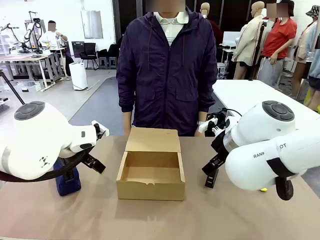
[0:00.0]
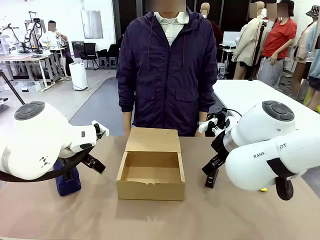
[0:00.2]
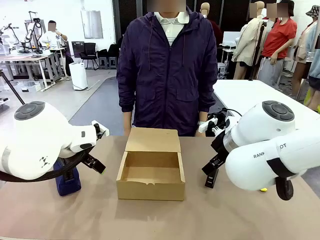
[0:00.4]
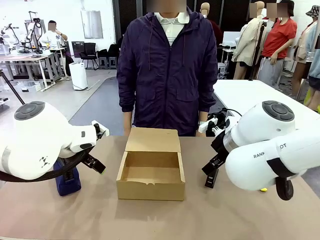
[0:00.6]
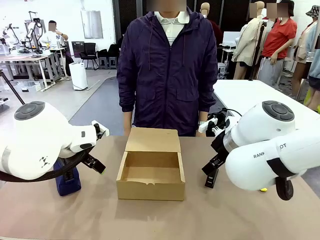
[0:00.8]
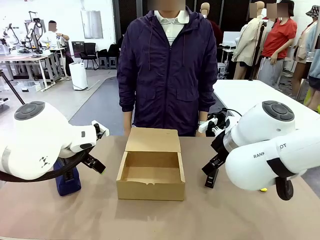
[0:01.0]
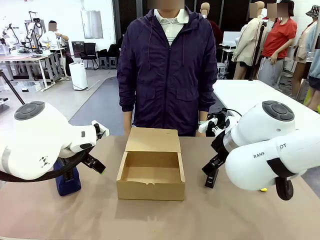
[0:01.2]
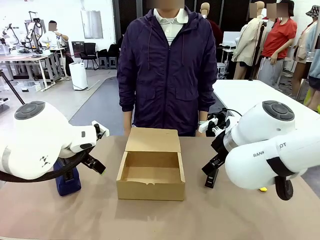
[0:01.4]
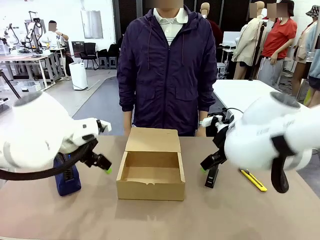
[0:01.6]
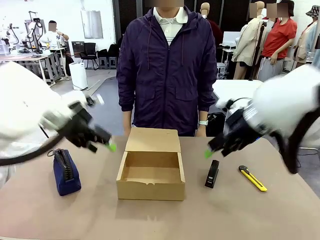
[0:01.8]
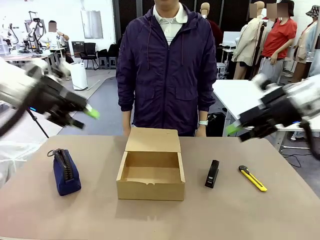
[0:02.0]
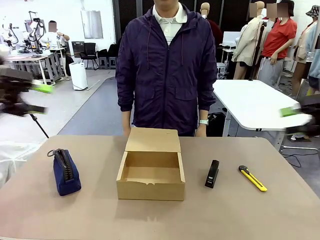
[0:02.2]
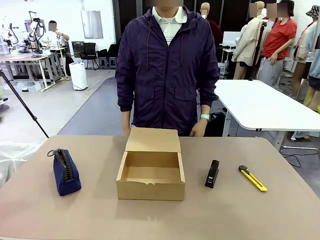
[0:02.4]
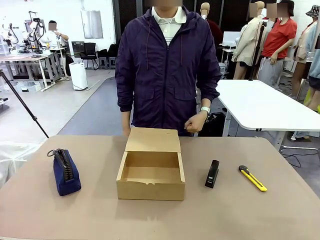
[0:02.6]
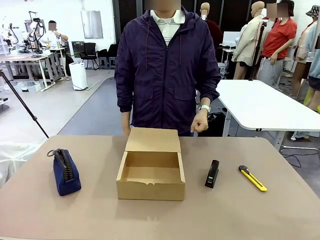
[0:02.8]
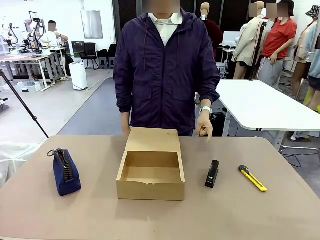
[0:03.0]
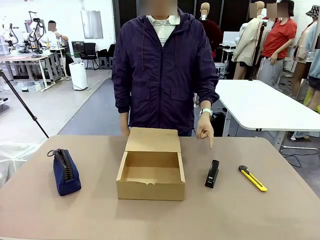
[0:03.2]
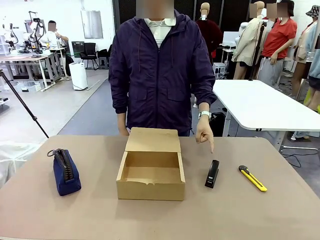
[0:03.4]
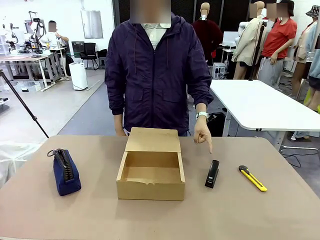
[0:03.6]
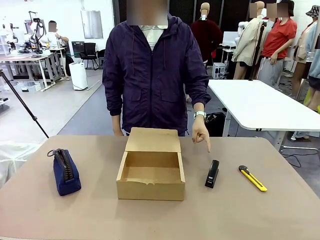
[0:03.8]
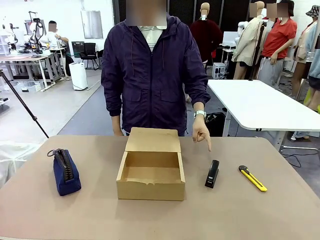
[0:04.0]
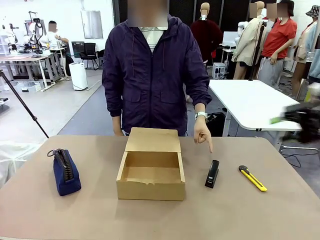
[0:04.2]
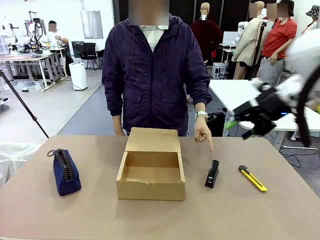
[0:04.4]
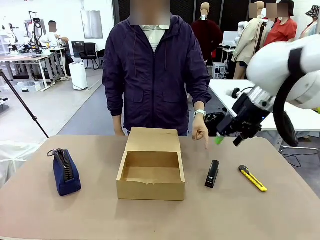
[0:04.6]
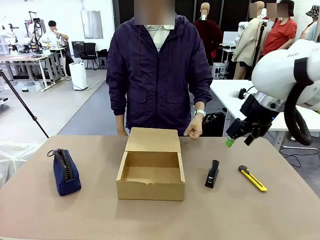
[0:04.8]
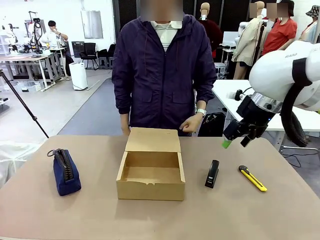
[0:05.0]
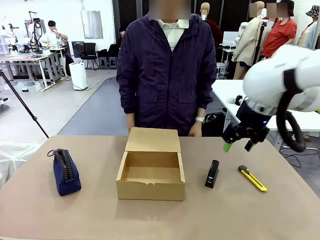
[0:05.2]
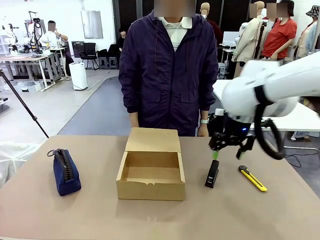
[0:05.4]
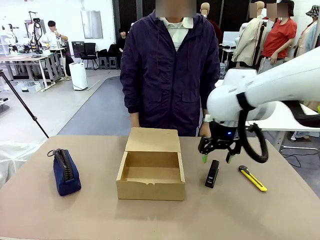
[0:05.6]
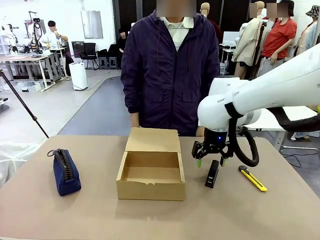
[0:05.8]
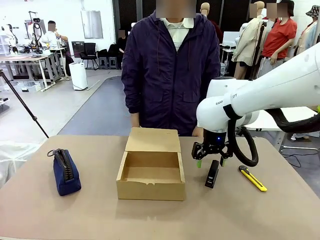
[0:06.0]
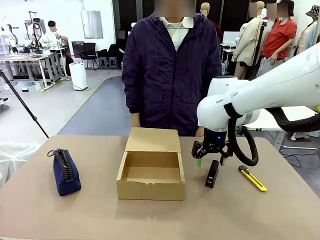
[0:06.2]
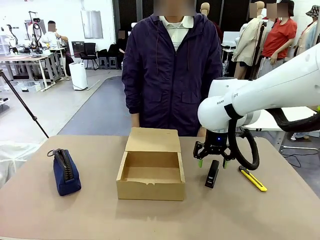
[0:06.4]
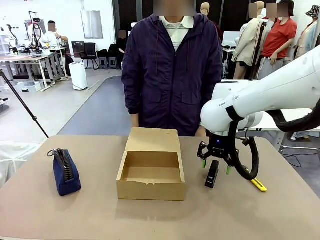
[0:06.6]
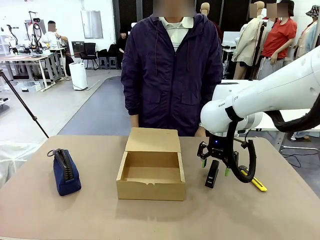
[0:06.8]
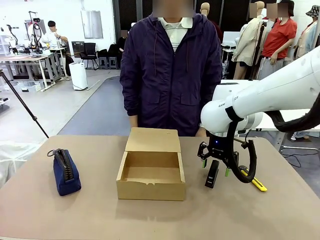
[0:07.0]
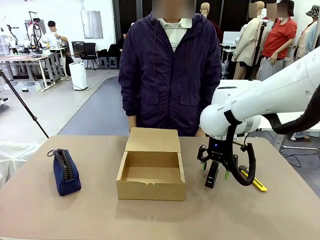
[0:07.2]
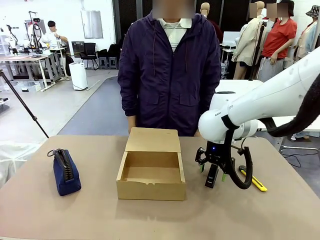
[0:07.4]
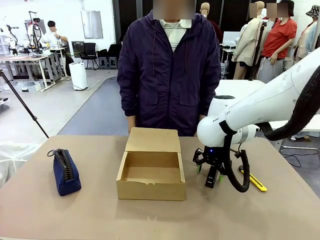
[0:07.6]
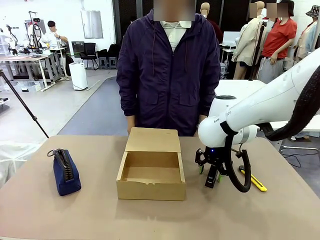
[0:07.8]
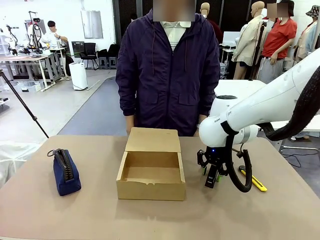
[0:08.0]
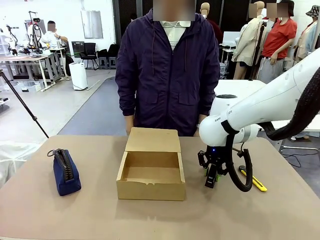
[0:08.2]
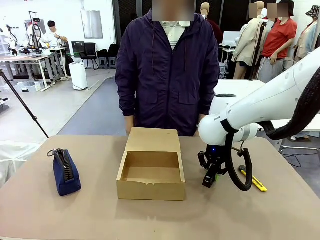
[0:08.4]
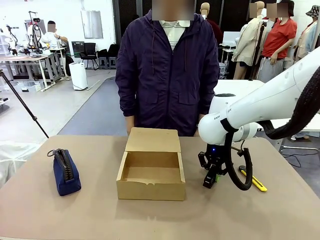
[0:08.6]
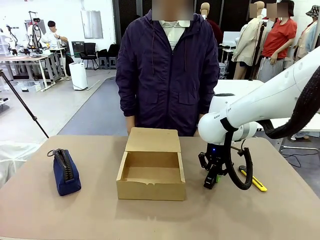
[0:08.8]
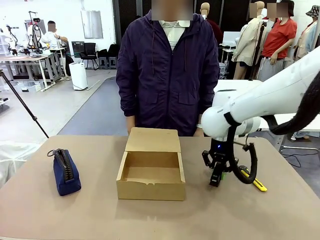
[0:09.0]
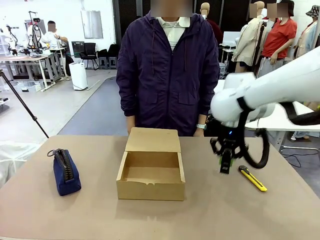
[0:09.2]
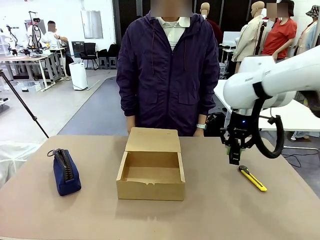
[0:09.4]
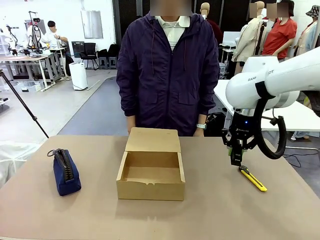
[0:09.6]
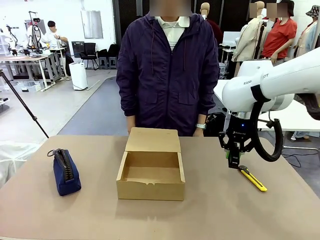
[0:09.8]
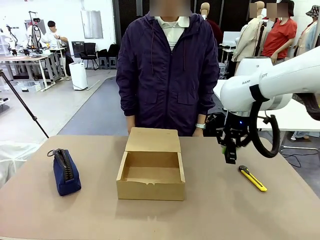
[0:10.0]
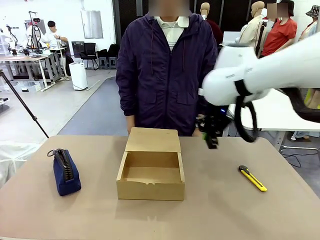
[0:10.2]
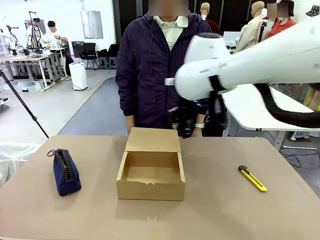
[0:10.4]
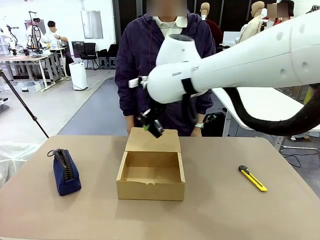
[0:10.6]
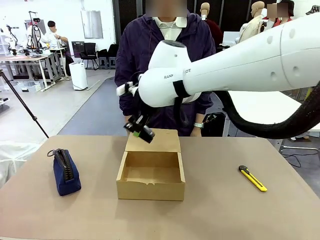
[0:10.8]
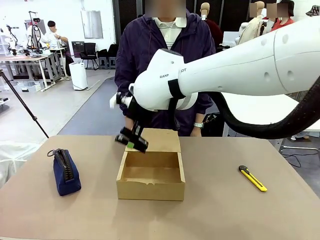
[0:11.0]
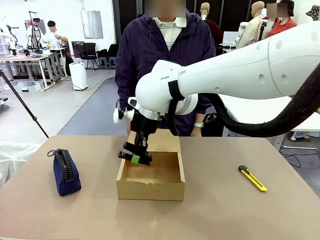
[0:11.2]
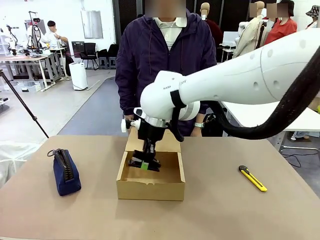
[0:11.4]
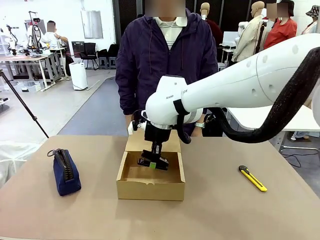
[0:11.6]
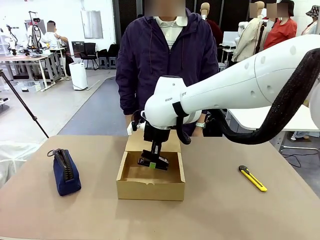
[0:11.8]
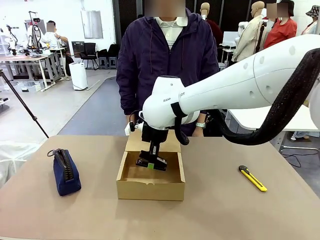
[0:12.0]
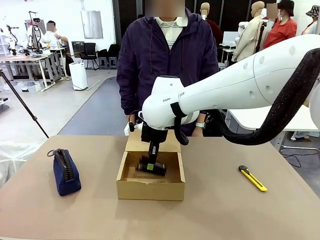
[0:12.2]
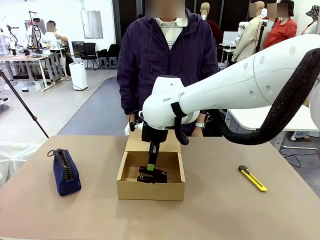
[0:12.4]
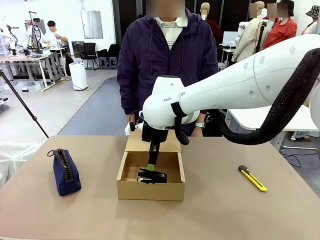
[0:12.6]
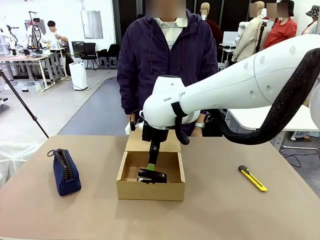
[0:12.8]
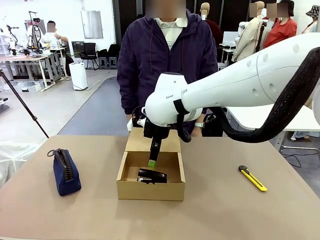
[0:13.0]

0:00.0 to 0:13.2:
Task: Pack the items into the box.
Robot: Pick up the item specified by the human and place it in the Mailer Box.
Person: Point at one item on the table (excluding the box).

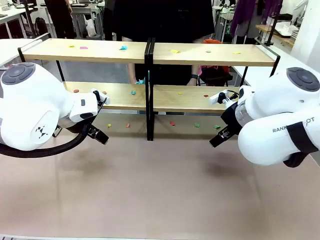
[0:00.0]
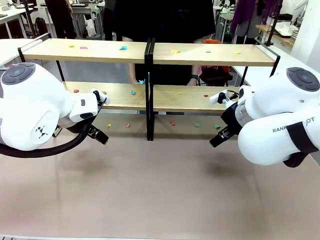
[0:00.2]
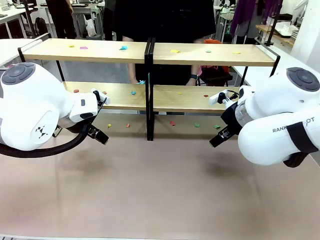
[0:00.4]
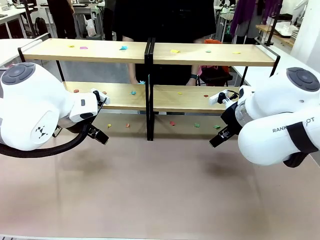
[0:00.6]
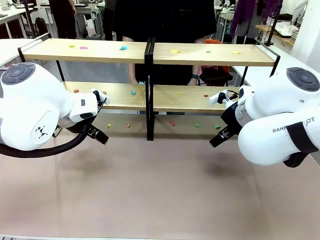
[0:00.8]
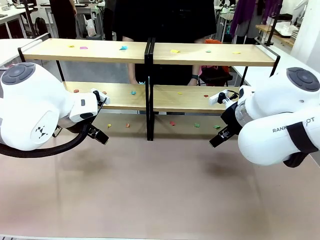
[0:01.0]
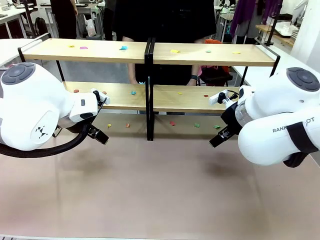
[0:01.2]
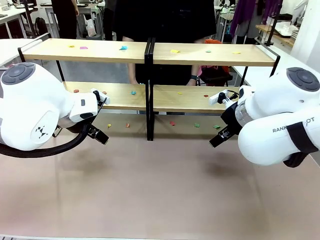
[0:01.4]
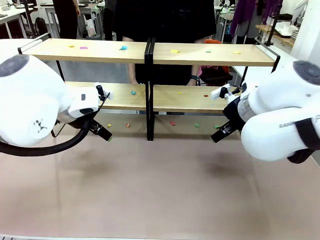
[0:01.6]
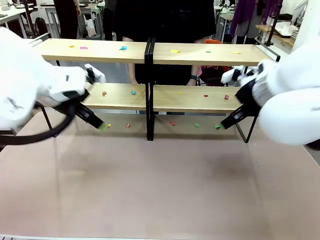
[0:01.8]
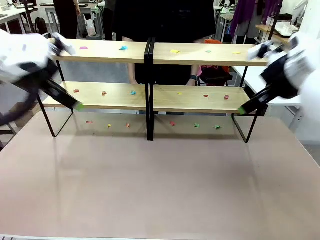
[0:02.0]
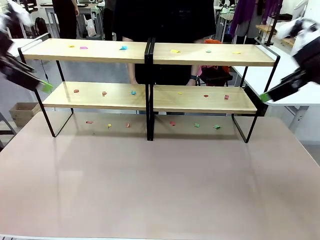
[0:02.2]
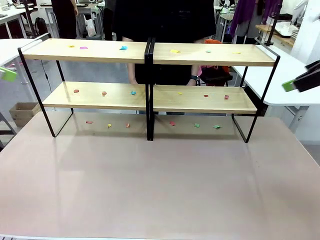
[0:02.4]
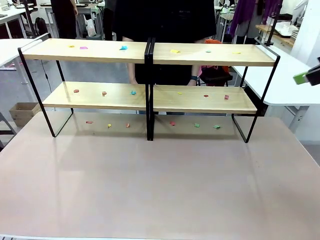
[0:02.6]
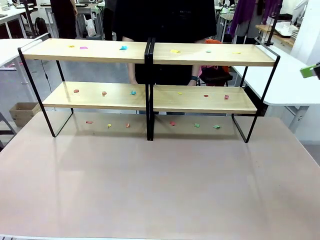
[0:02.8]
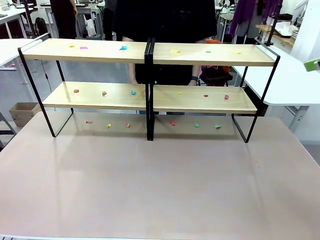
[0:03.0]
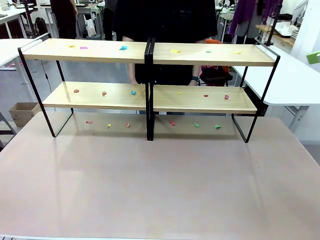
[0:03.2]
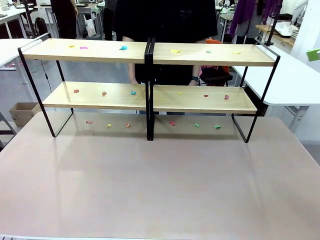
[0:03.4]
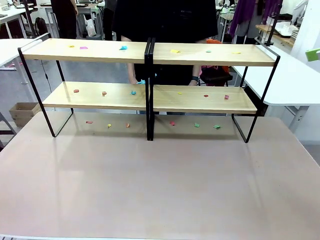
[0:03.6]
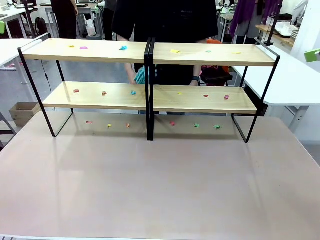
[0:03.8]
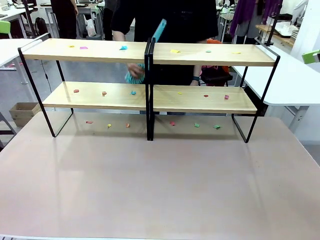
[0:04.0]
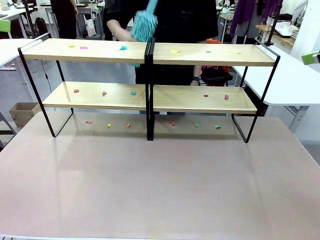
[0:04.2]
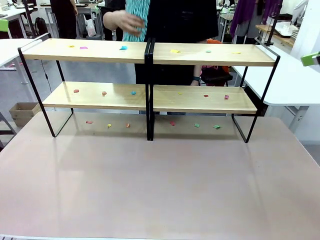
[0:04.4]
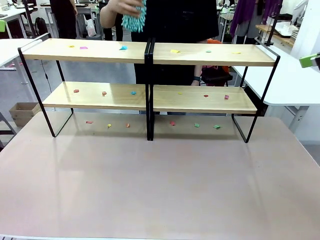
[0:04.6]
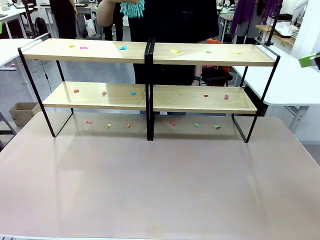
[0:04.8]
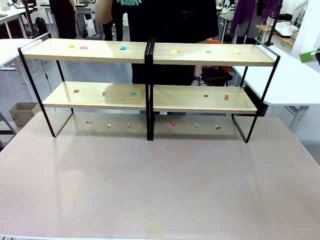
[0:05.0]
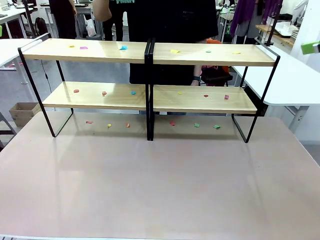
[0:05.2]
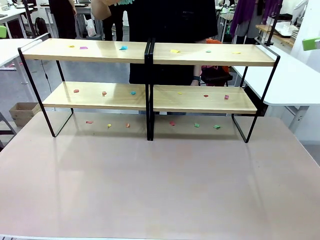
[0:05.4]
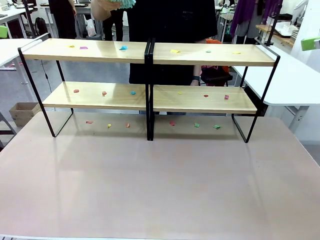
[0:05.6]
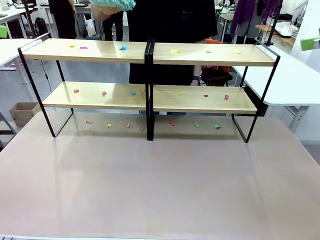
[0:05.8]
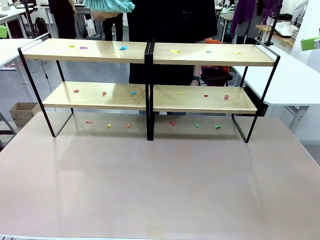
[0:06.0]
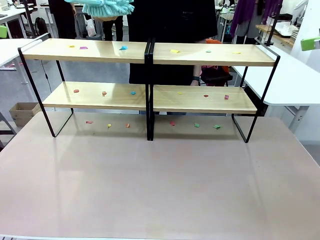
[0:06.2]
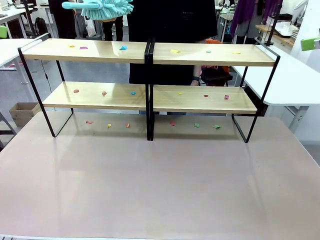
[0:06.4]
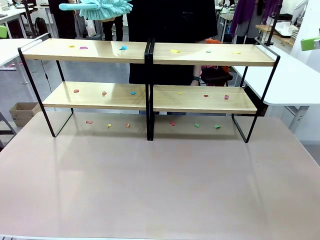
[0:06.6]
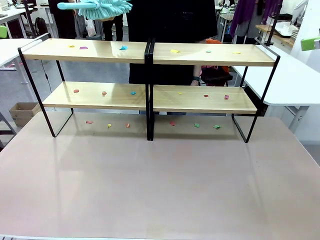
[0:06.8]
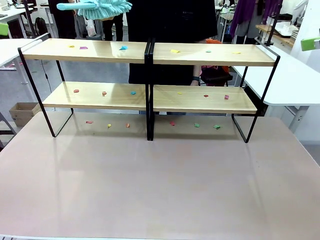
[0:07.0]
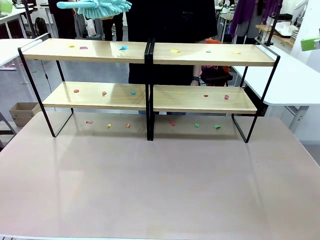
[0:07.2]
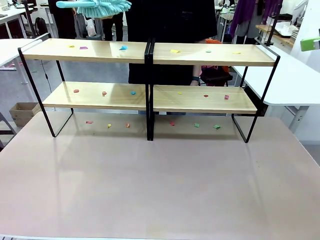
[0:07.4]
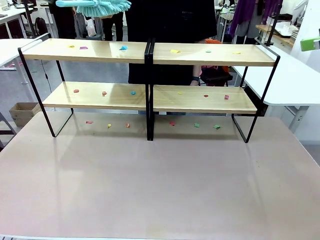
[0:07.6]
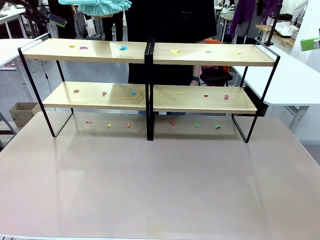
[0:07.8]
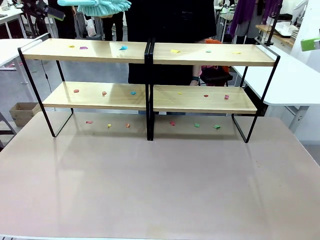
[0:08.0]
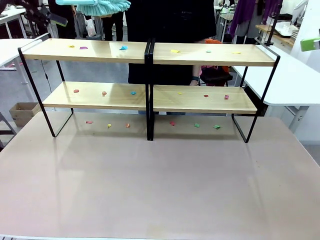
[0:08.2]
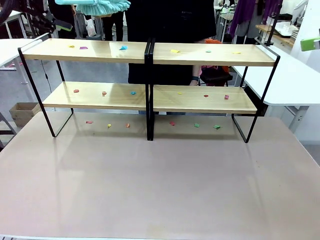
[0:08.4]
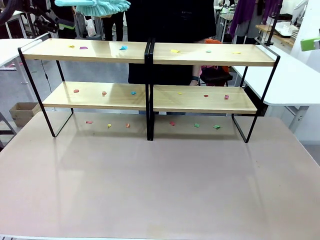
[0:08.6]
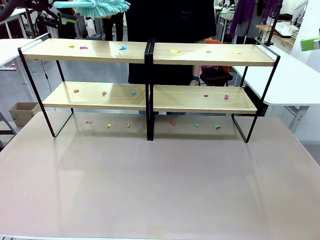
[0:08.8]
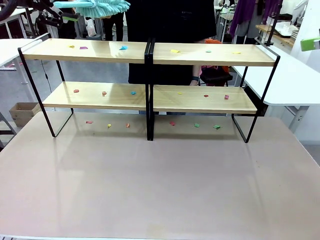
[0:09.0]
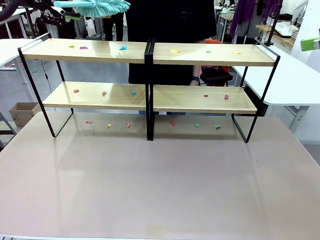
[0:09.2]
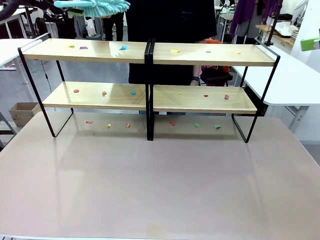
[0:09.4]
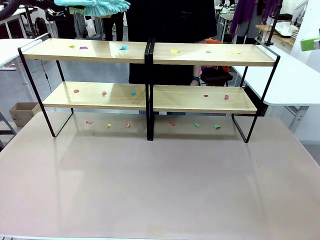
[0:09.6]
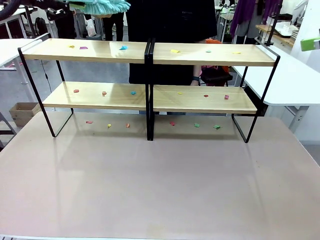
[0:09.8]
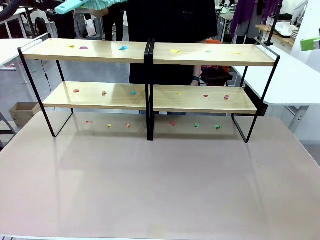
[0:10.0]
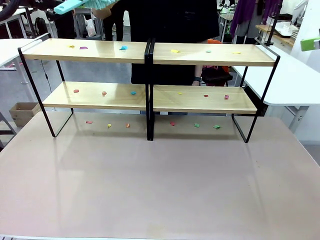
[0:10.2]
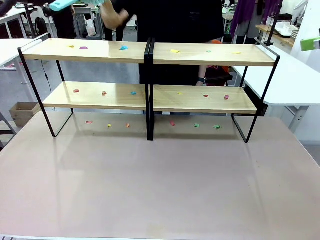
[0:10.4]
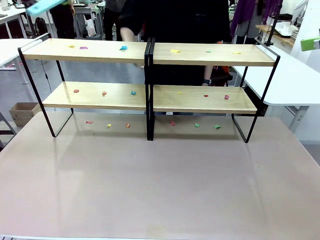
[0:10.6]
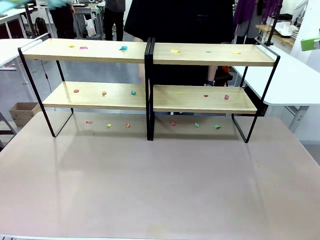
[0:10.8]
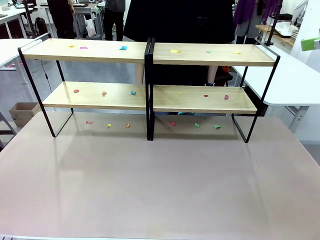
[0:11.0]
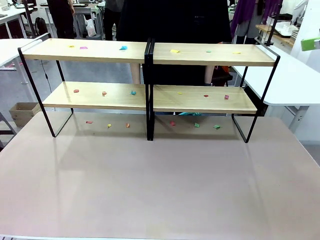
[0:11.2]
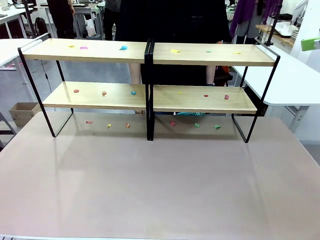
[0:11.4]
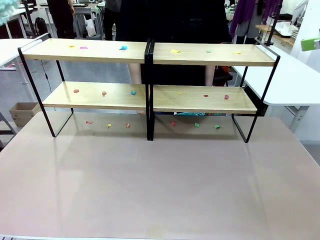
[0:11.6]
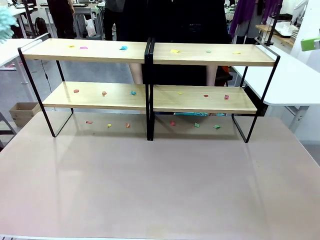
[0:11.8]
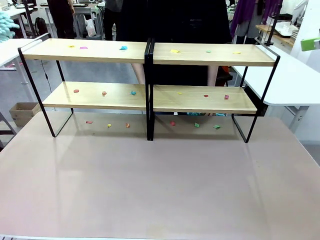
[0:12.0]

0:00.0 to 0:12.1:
Task: Clean the shelves.
Robot: Pick up the Duster when the human hands it over.
Person: Hand the Duster to the robot with your right (or left) hand.
